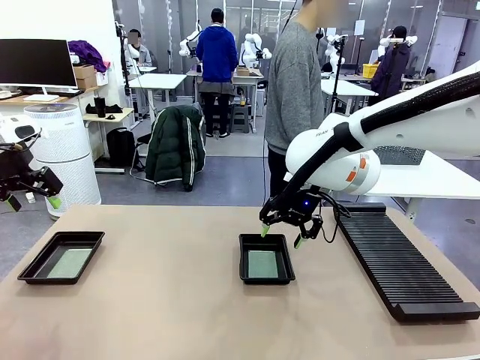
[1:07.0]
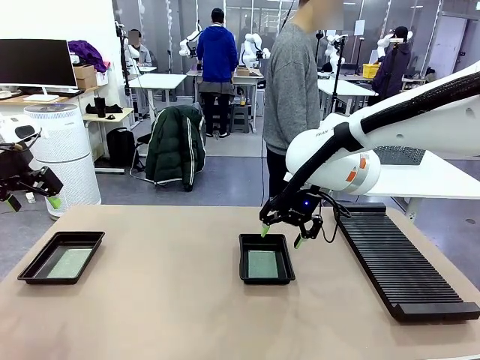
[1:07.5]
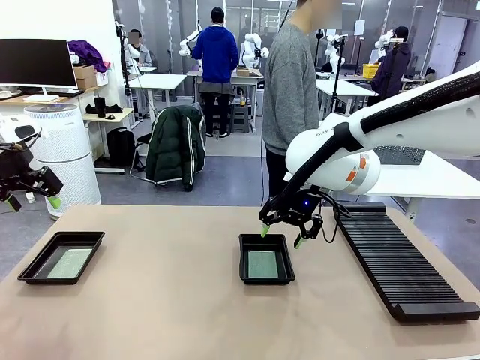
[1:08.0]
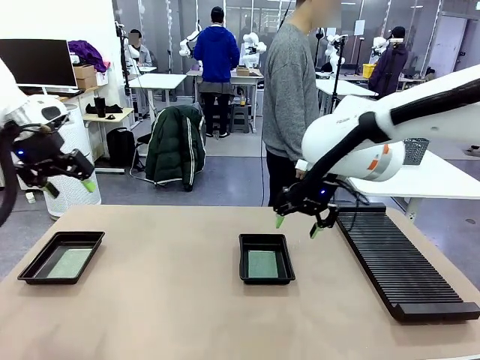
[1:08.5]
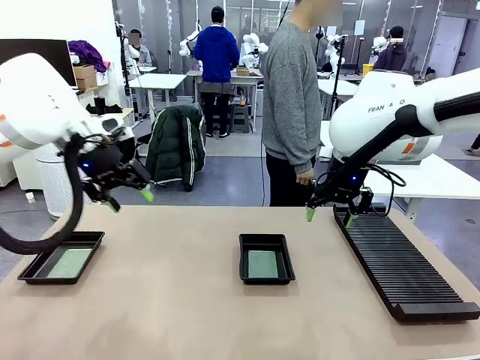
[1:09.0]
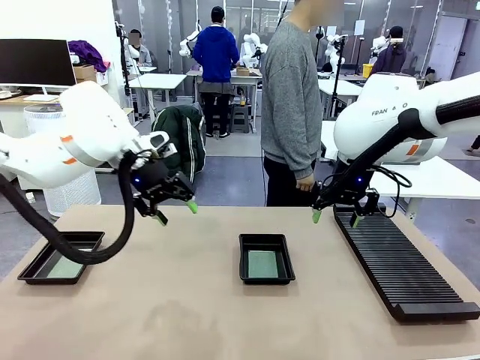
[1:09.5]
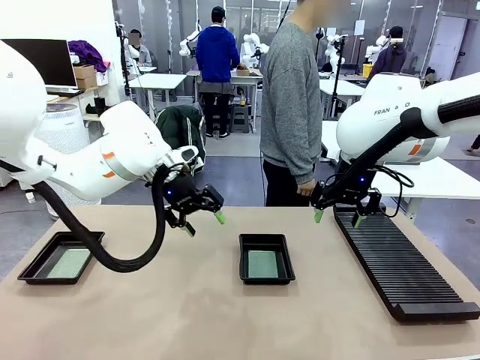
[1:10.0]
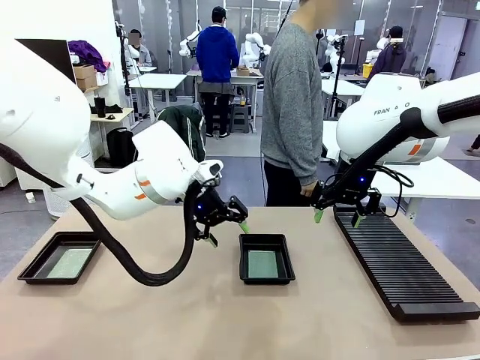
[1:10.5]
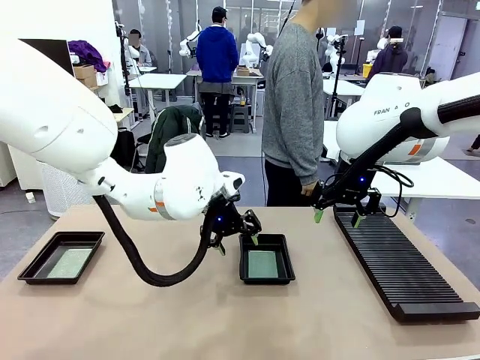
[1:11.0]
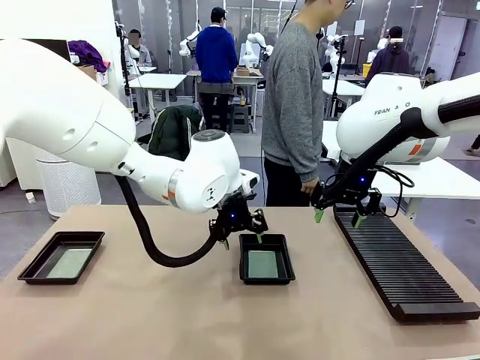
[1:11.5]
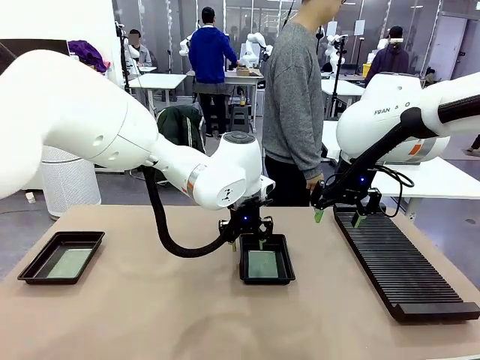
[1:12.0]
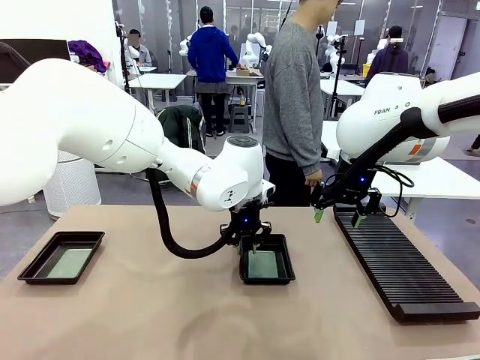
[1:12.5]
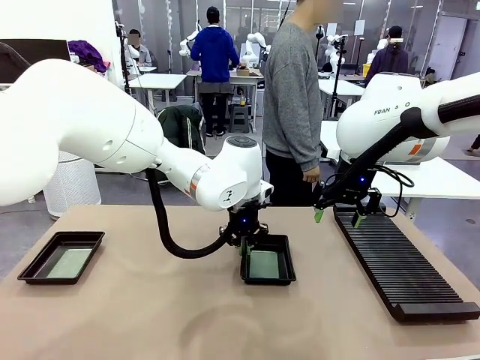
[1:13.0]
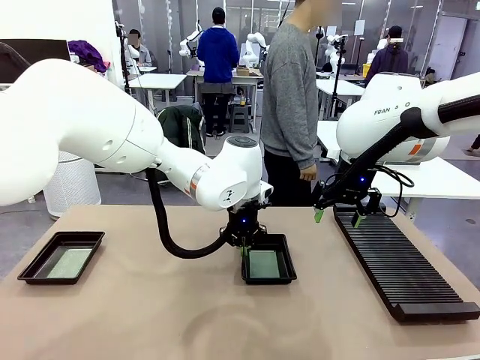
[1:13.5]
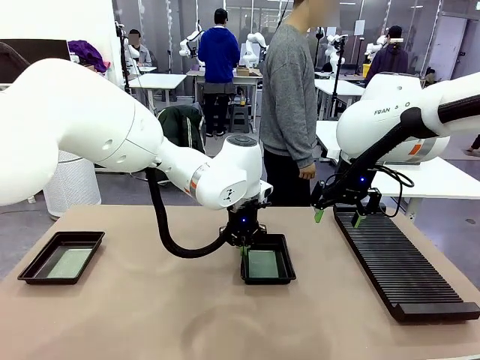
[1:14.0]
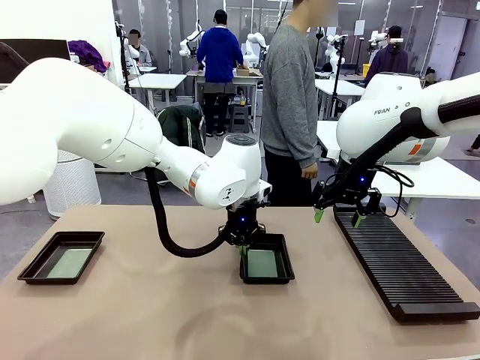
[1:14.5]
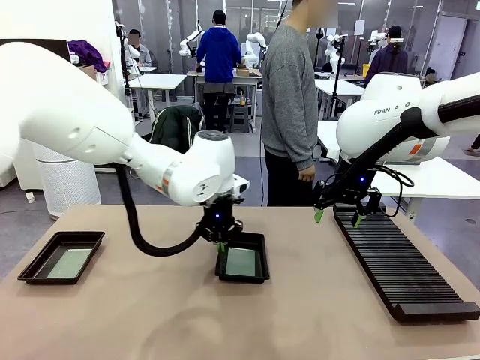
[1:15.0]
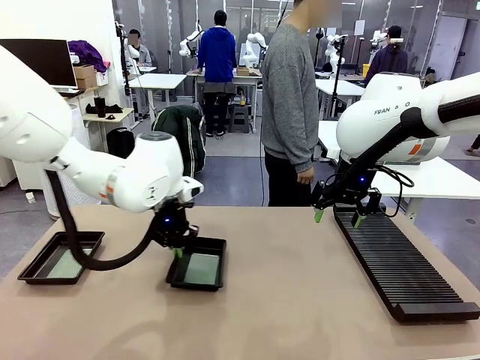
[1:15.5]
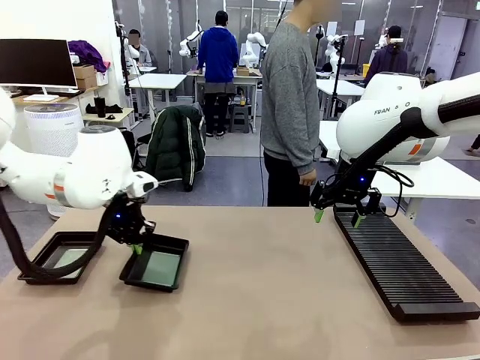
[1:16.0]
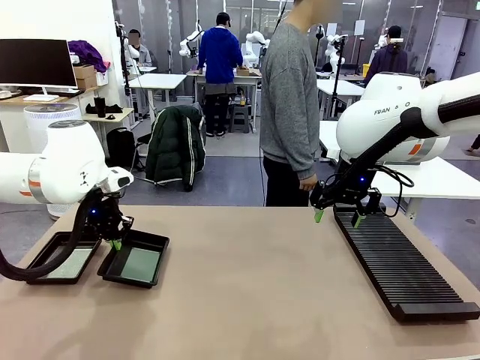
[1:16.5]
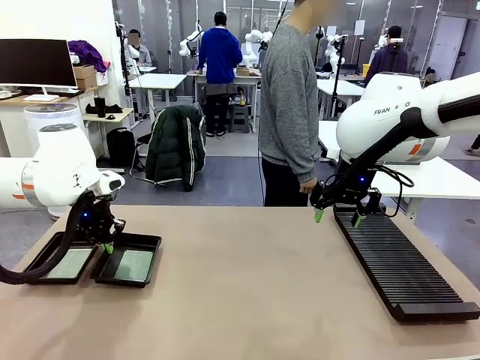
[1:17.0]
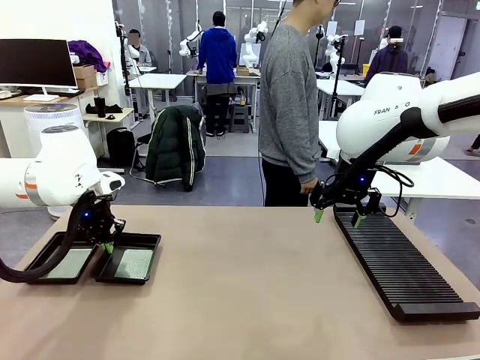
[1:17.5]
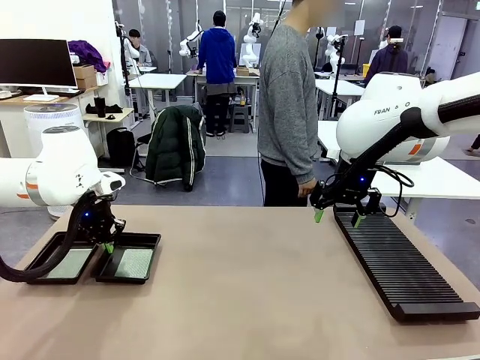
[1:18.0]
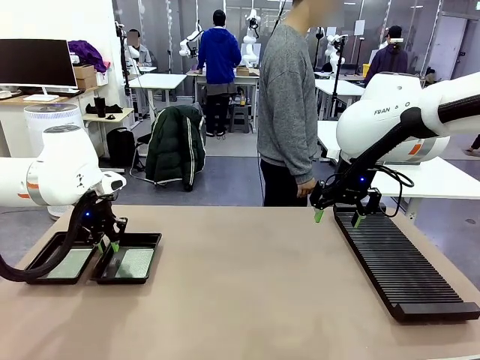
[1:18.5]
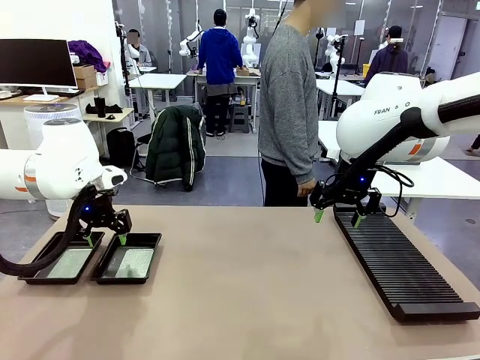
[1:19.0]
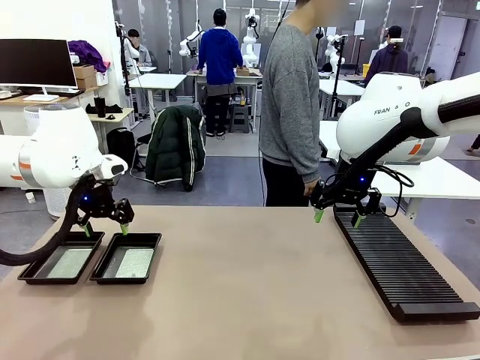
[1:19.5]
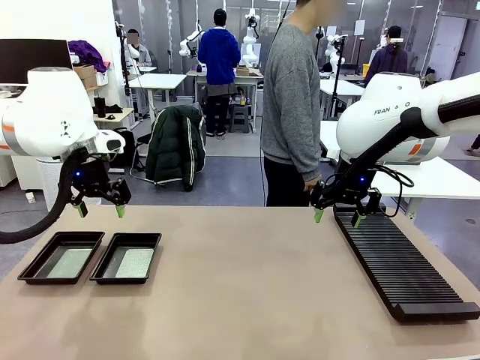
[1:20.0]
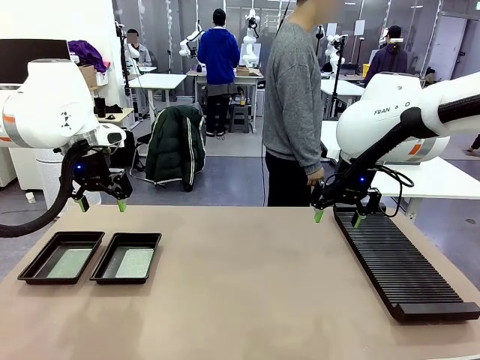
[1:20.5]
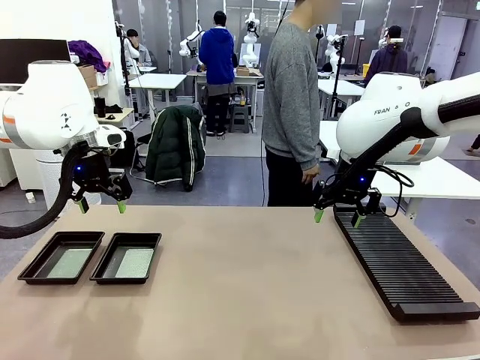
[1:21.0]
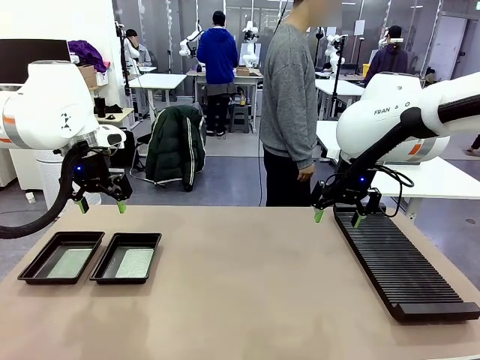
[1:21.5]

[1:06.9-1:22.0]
Task: Inspect and transfer BCBs to ESD trays.
Robot: Pick up the ESD tray and place it on the left side of the table.

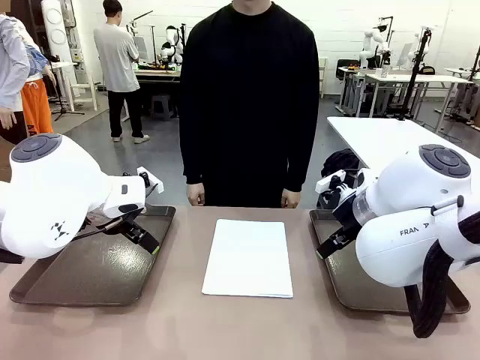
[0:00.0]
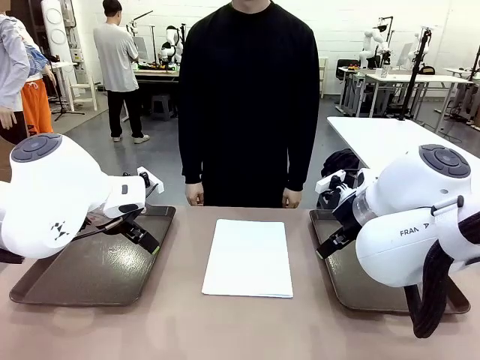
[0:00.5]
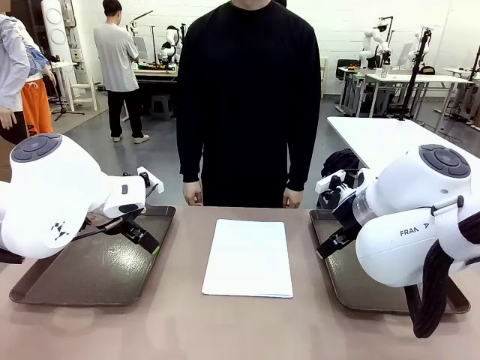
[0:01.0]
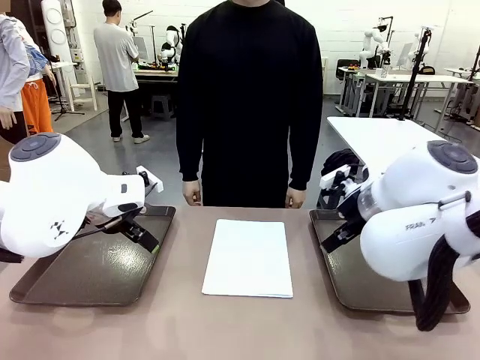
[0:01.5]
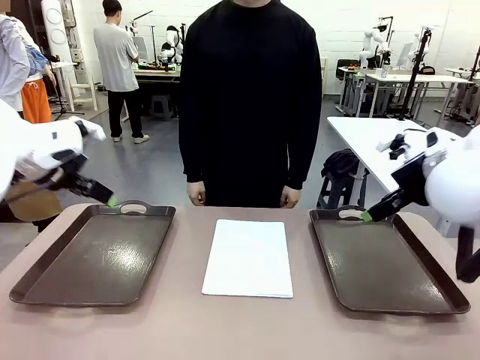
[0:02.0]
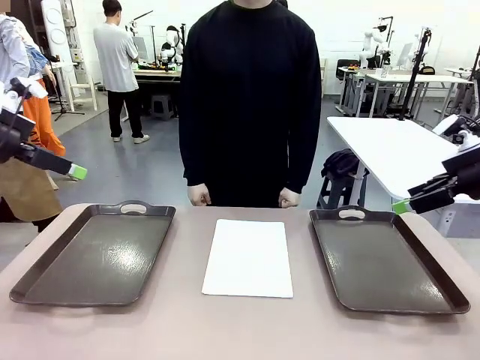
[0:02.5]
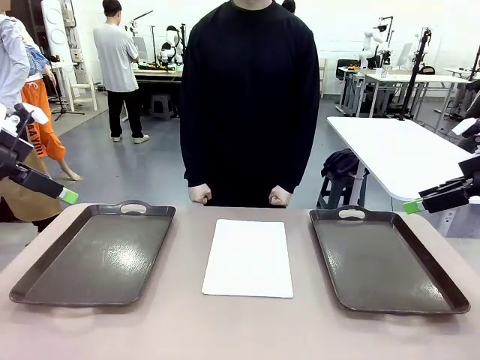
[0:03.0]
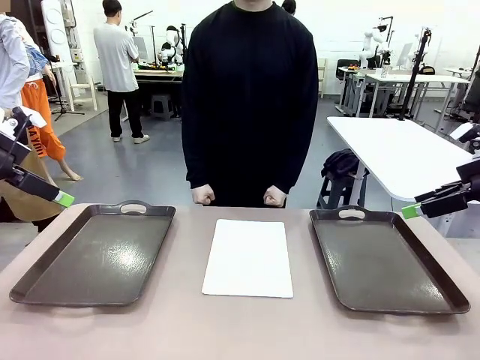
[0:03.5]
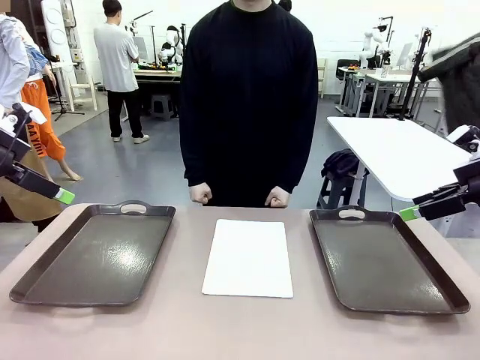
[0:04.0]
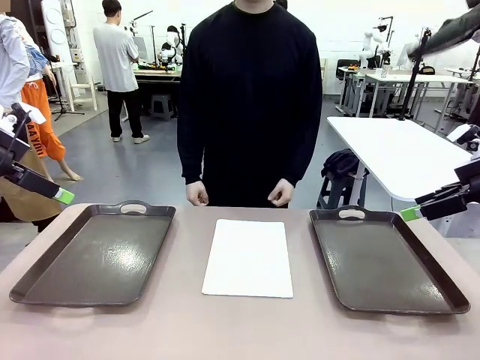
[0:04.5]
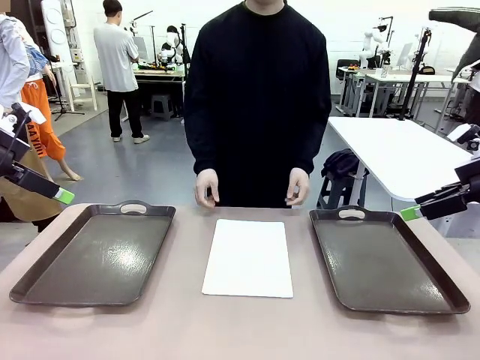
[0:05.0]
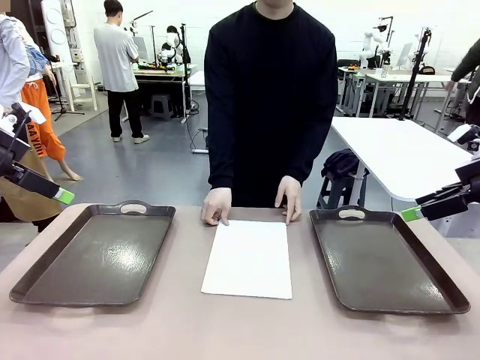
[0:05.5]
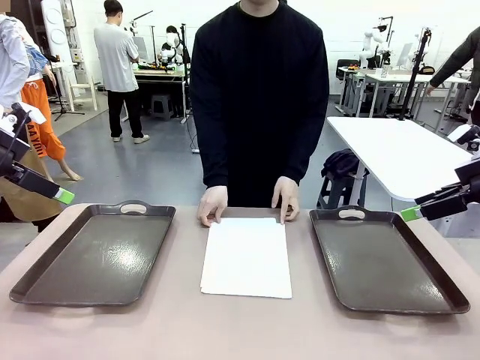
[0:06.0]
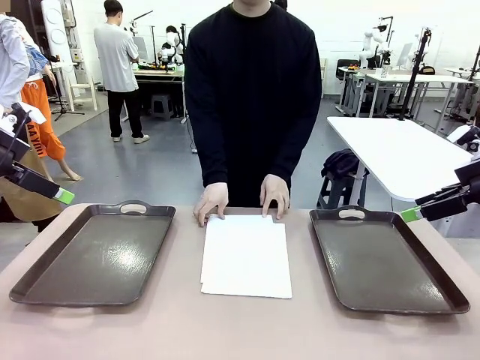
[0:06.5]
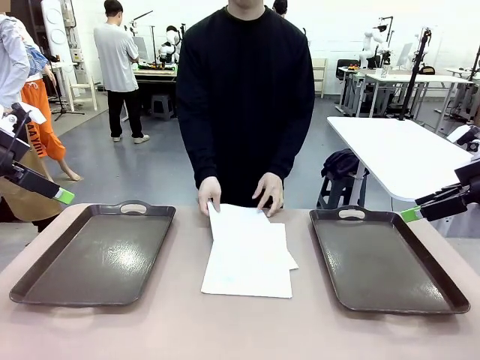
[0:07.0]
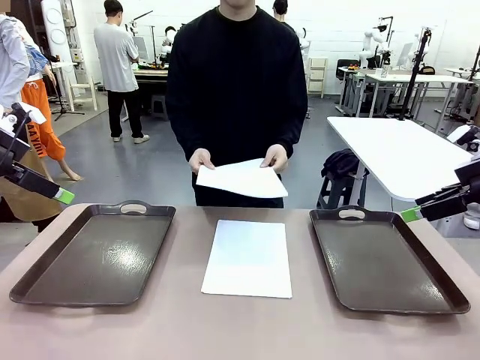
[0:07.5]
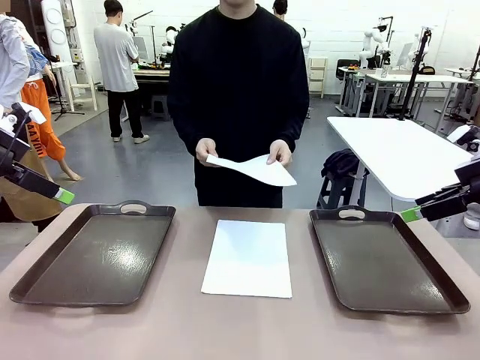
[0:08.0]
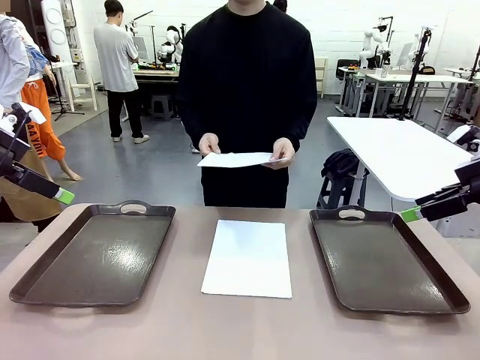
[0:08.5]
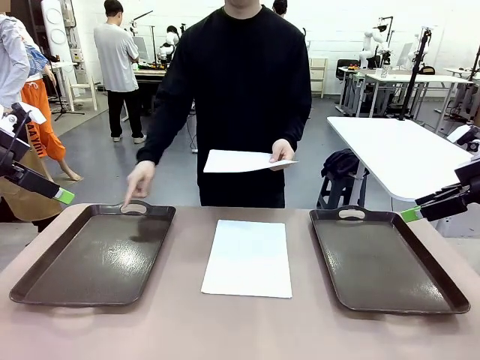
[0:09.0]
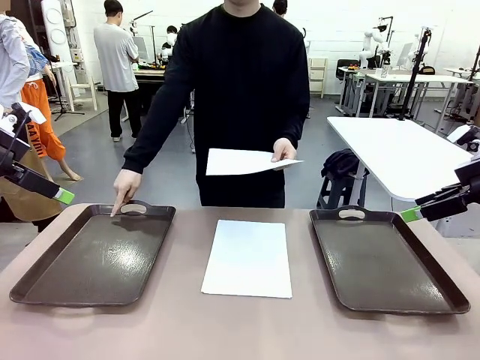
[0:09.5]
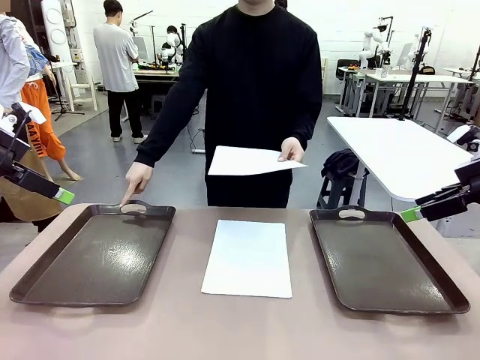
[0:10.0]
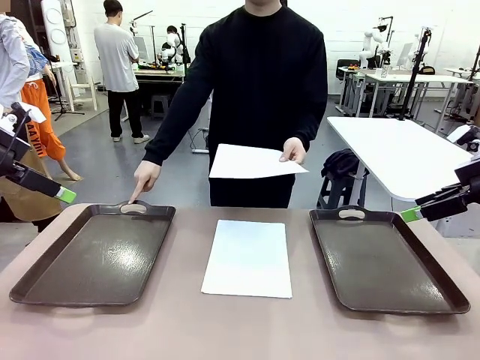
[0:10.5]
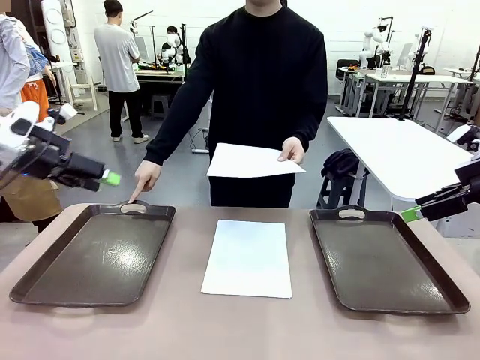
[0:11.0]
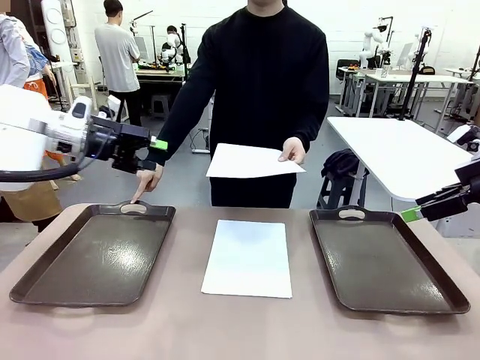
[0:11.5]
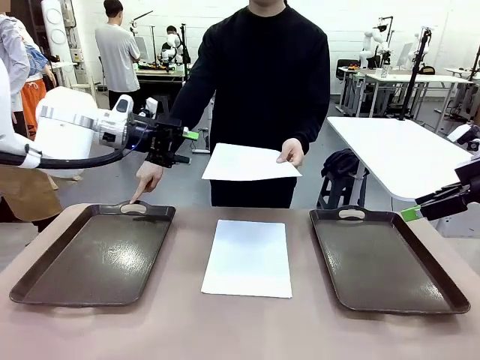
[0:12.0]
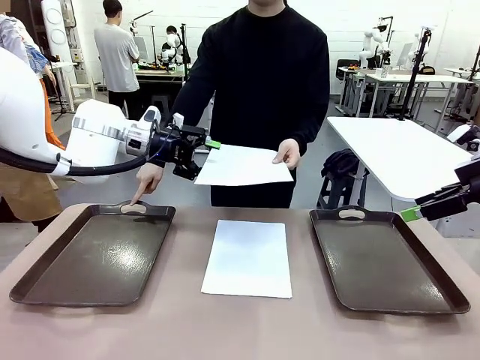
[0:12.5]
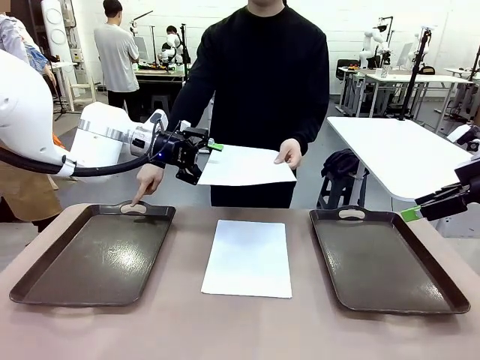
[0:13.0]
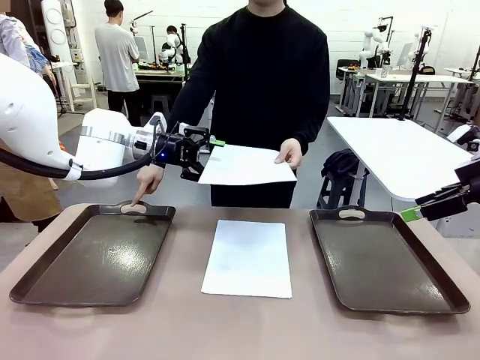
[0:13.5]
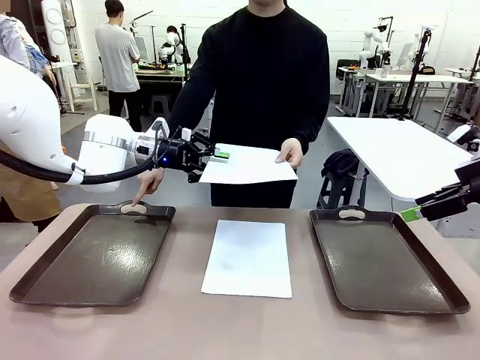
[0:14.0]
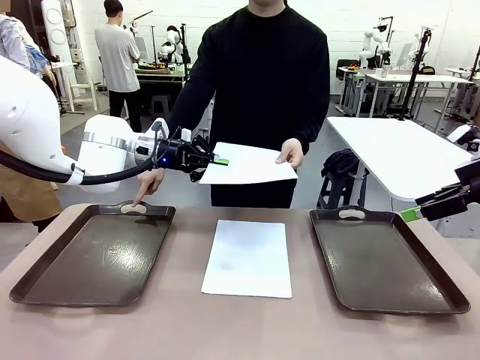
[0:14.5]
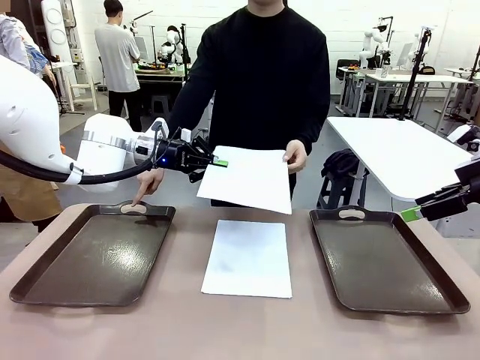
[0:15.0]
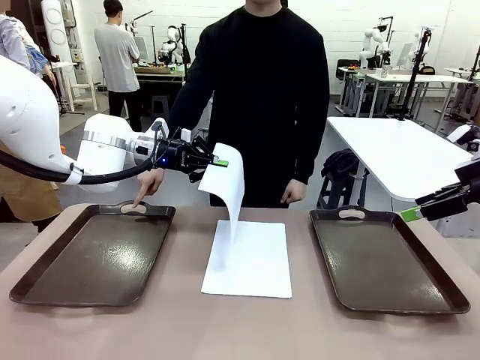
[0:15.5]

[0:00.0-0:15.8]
Task: Sort the A4 documents.
Robot: Receive the A4 Paper.
Person: Pick up a sheet of paper from the center of the table and hand it to the robot. Point the randomly selected tray with the other hand.
